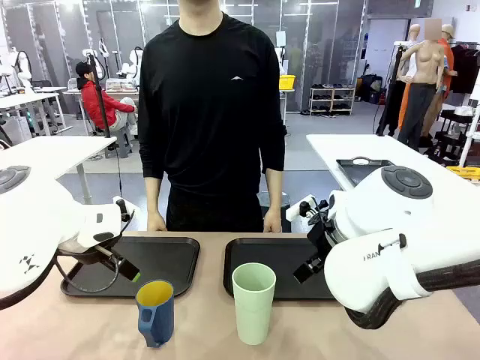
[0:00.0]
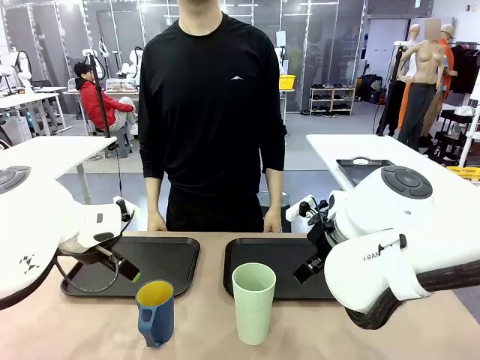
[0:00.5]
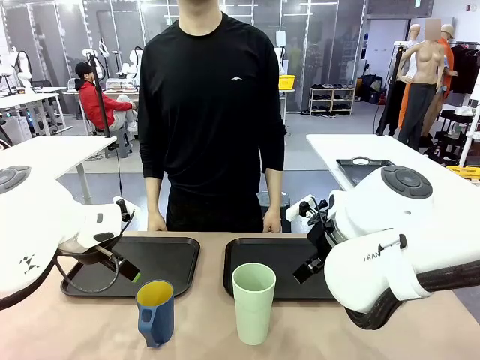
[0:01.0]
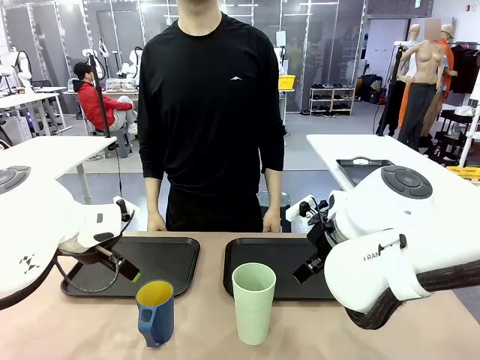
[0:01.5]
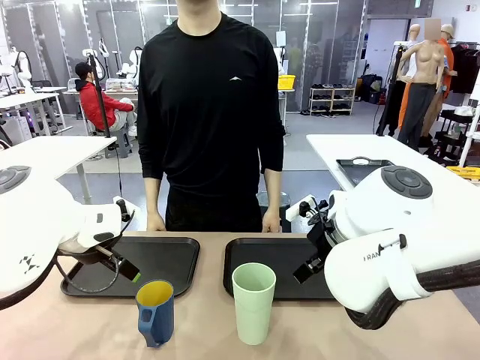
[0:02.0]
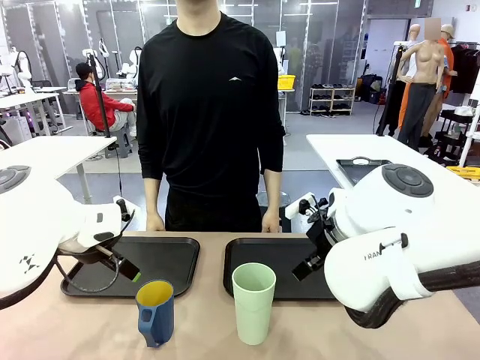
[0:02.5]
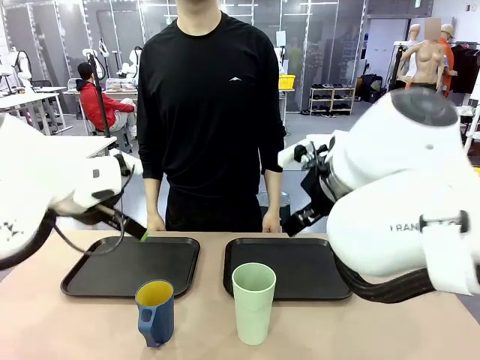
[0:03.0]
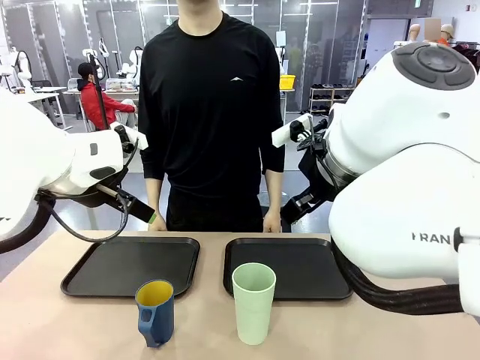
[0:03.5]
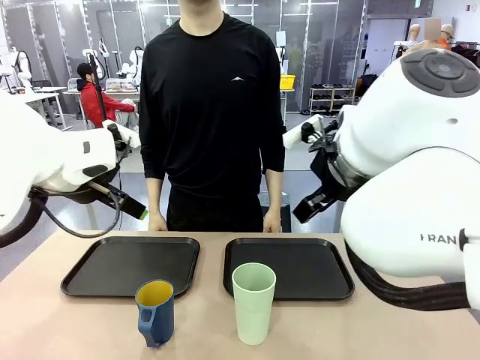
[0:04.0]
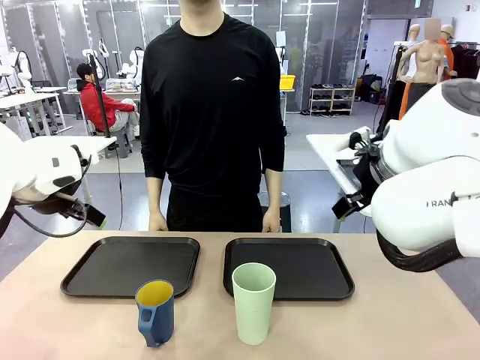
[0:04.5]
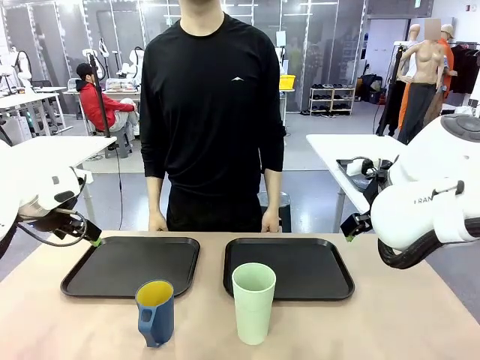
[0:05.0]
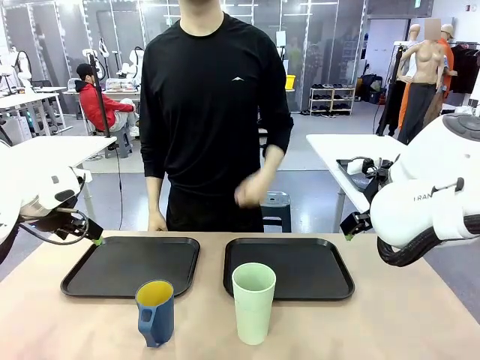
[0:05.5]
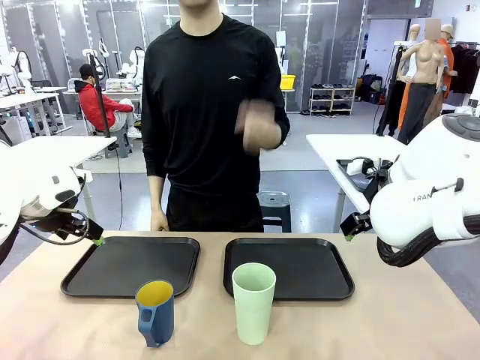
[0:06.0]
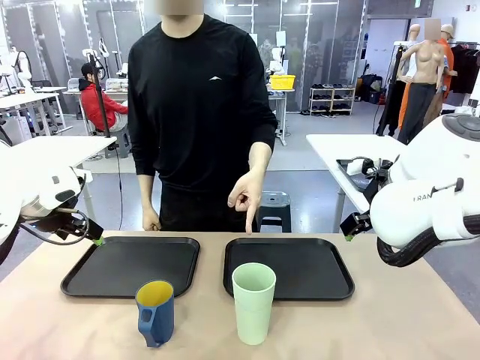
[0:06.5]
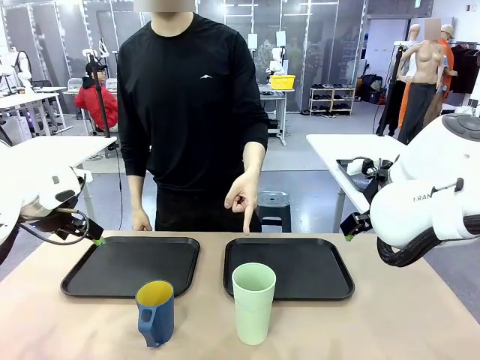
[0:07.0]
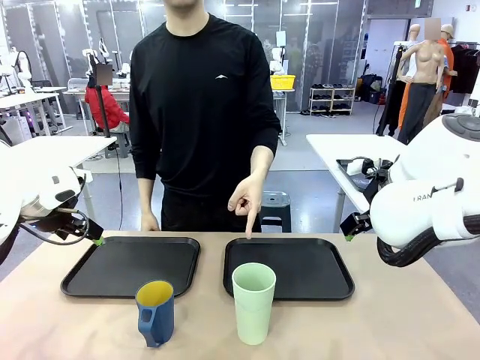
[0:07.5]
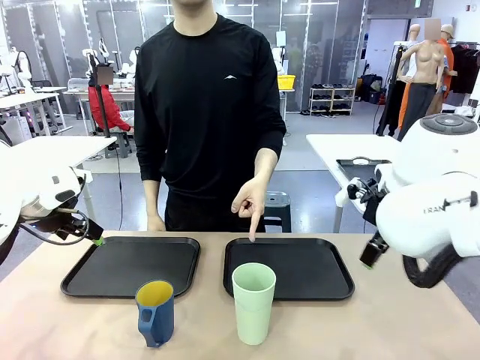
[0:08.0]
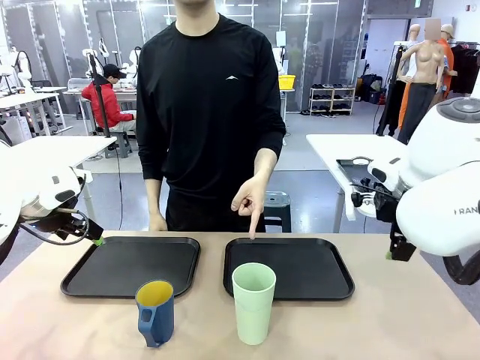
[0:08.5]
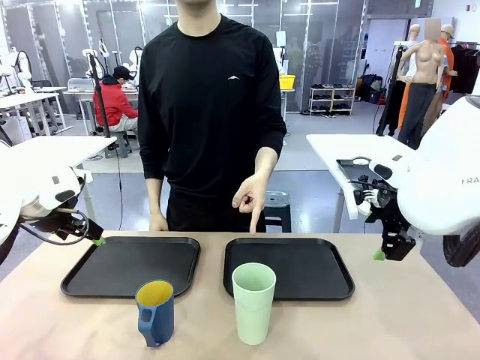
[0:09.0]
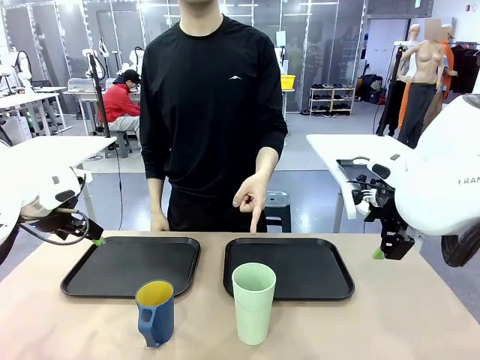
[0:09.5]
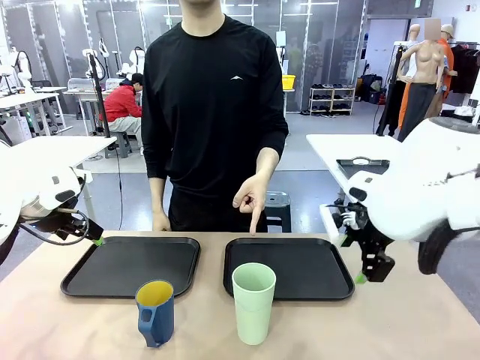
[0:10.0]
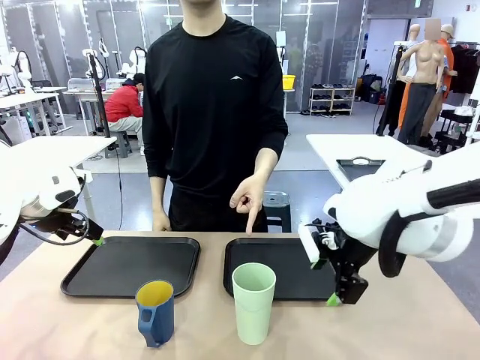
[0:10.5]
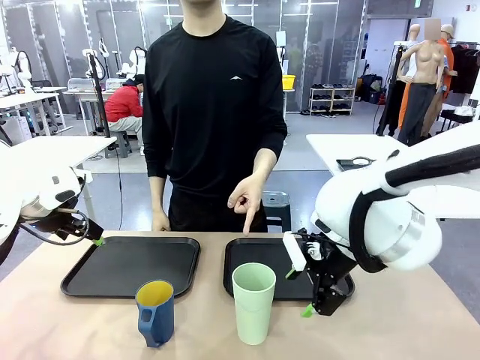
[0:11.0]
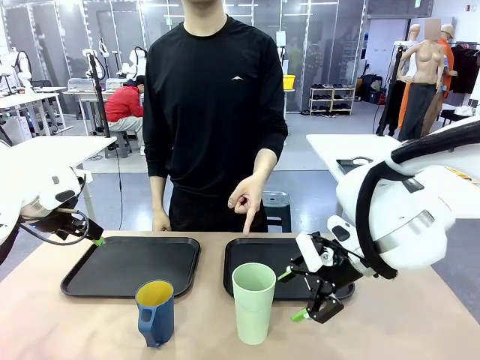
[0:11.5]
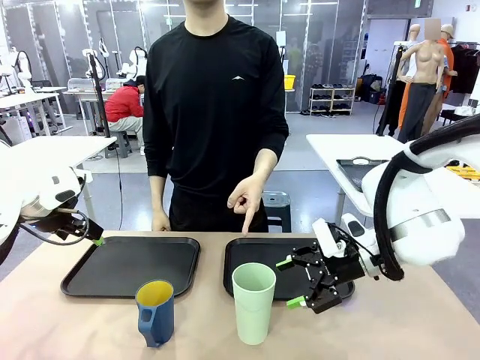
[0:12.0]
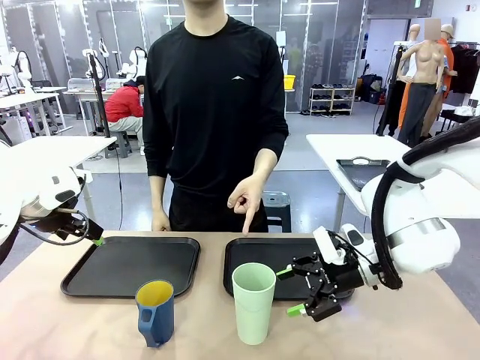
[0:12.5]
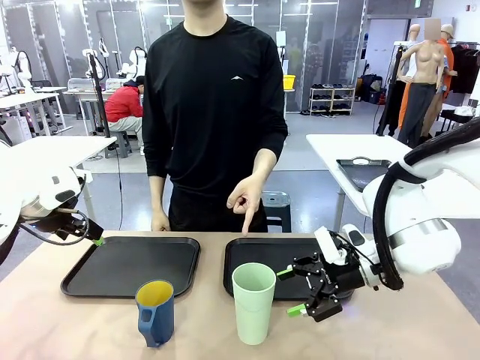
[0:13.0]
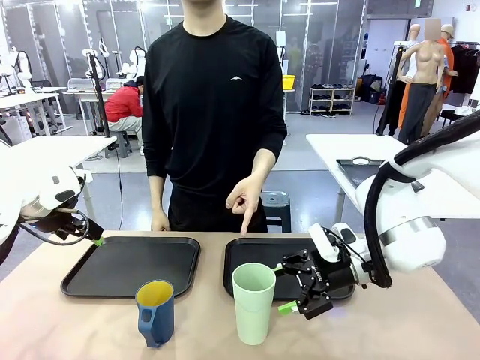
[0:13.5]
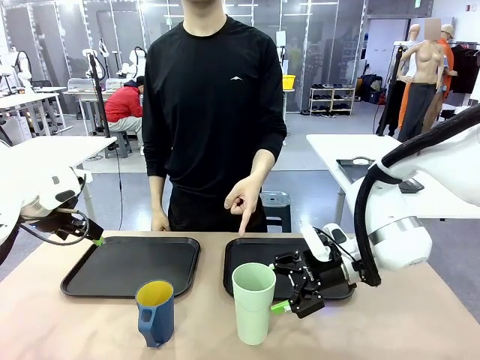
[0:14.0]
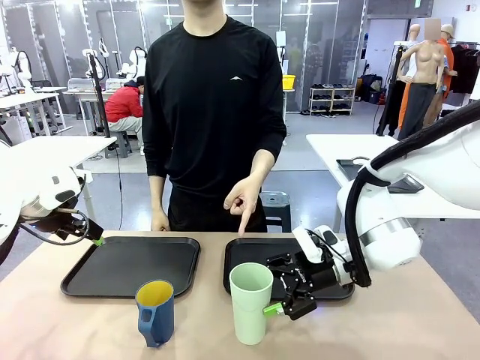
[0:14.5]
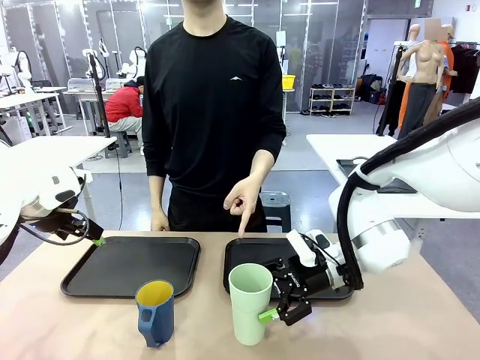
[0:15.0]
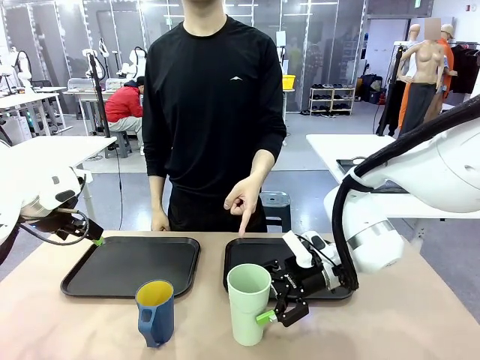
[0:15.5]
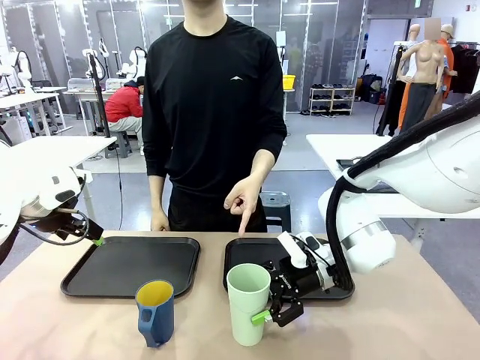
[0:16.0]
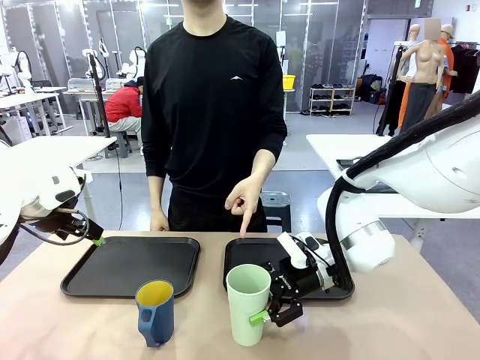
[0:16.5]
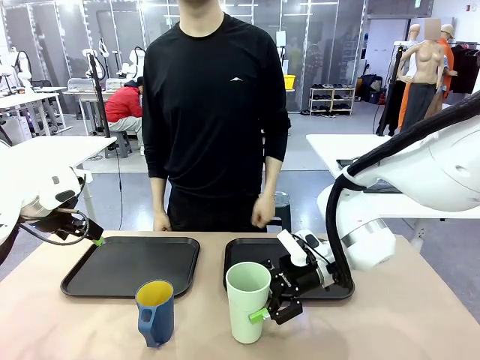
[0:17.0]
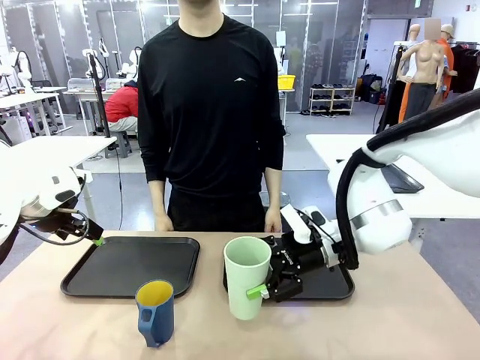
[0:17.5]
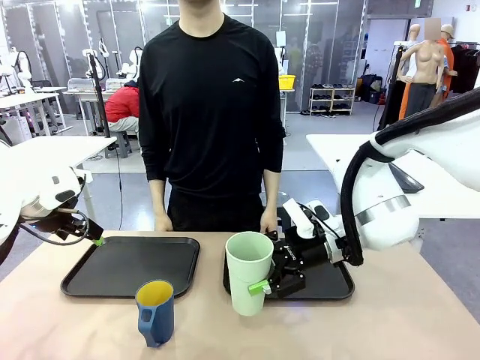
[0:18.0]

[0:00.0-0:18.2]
Task: Sort and store the cups by type.
Robot: Pick up the Reusable plastic cup.
Person: Points to the reusable cup. Point to one of the two trays.

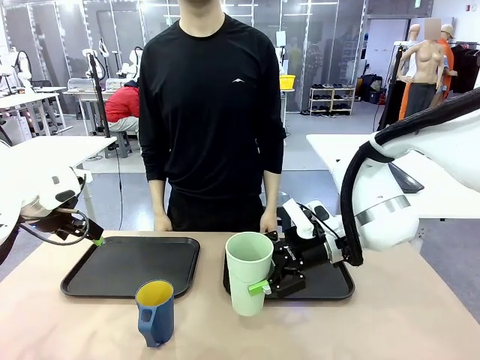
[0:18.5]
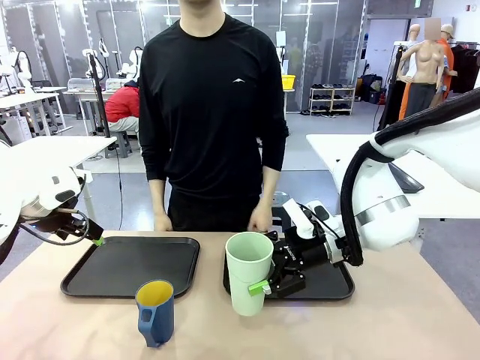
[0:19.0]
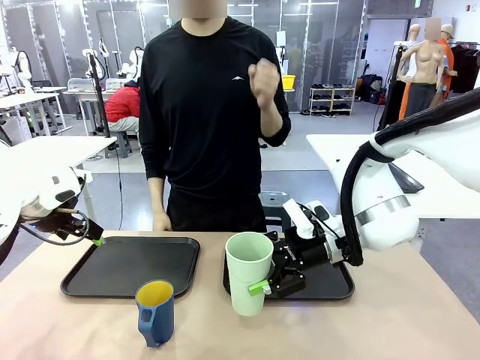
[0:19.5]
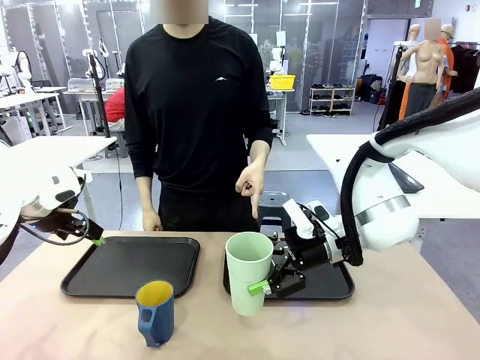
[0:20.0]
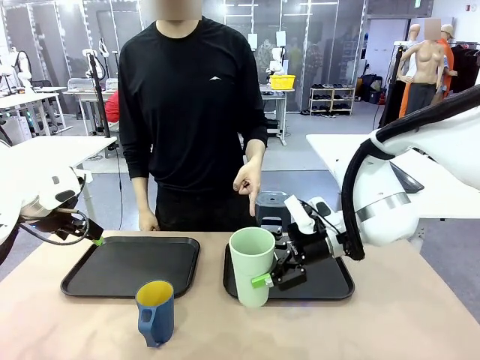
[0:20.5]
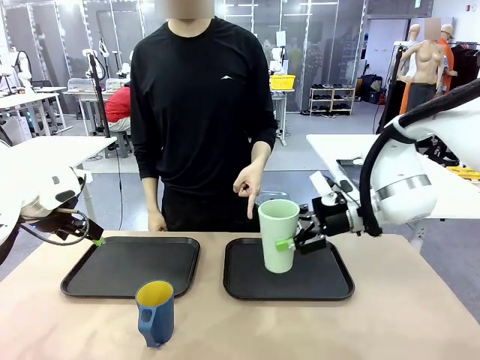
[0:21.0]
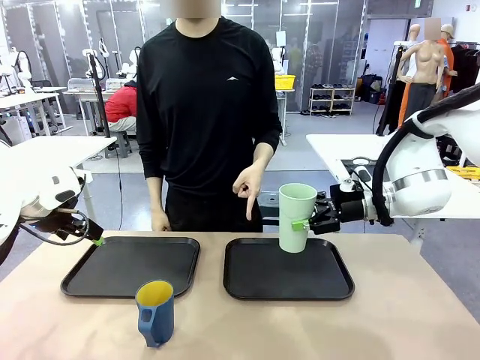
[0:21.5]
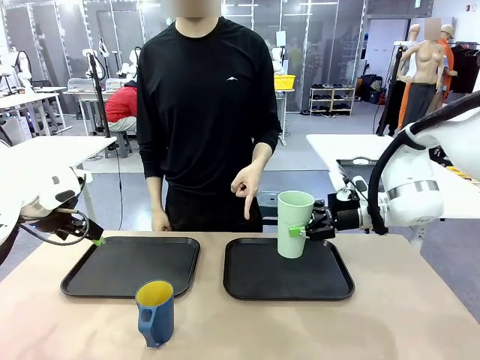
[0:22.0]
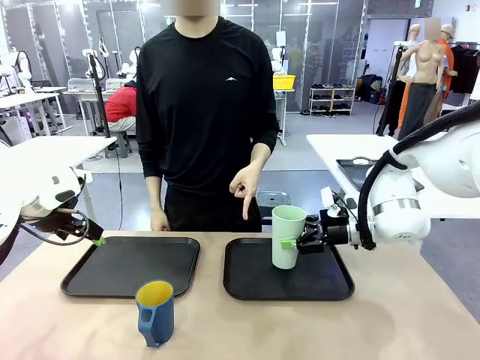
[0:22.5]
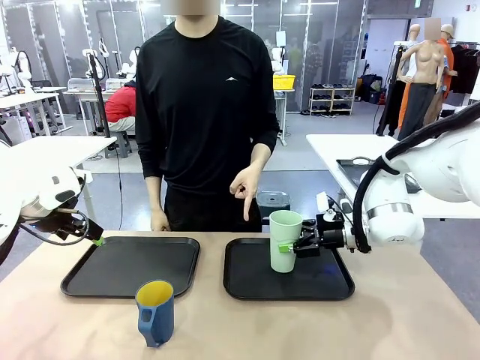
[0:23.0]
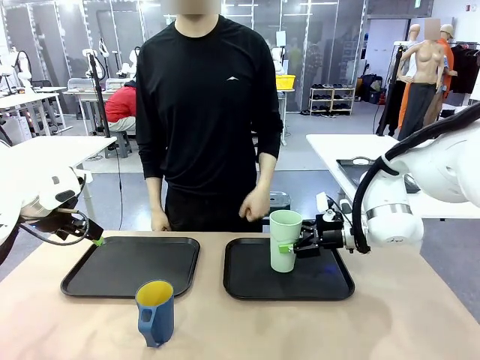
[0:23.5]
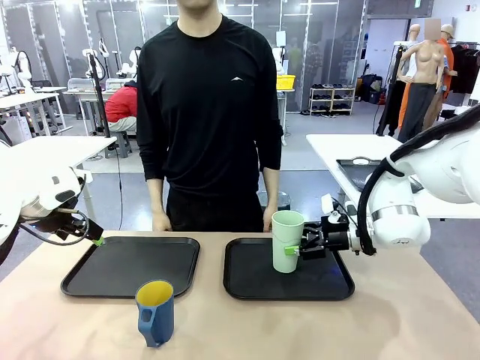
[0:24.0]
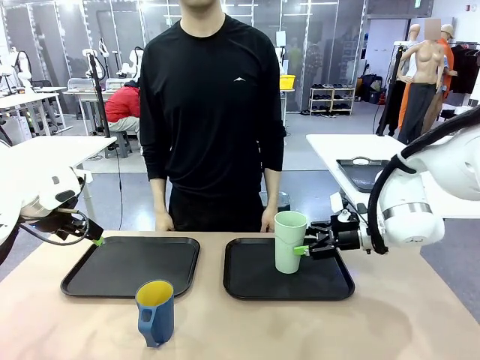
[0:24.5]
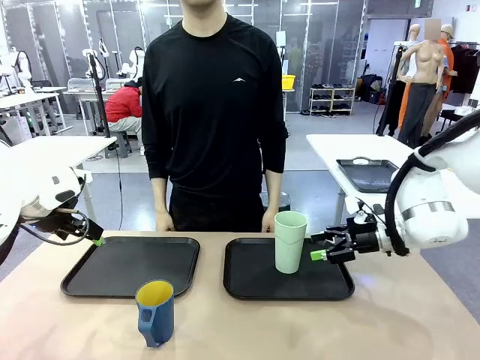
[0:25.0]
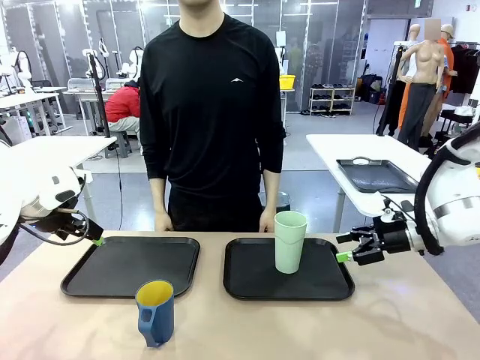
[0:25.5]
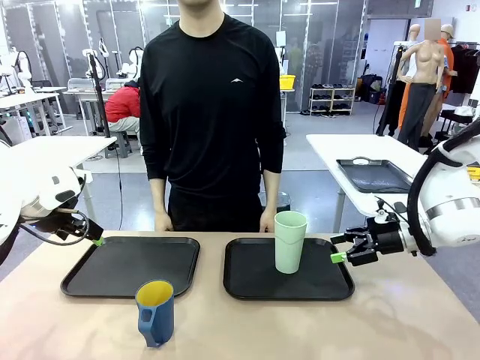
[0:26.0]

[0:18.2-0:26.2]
Robot: Place the picked Reusable plastic cup into the Flat Tray indicated by the person.
